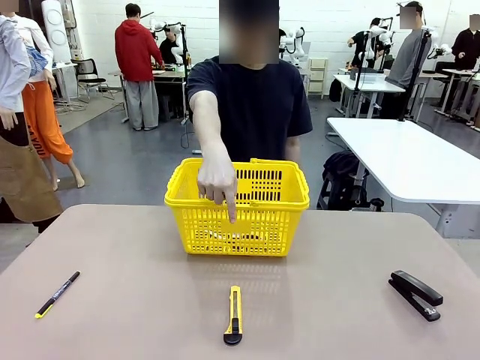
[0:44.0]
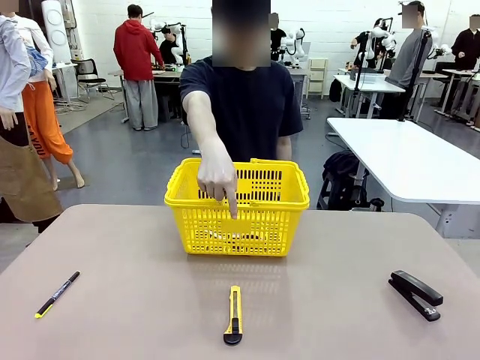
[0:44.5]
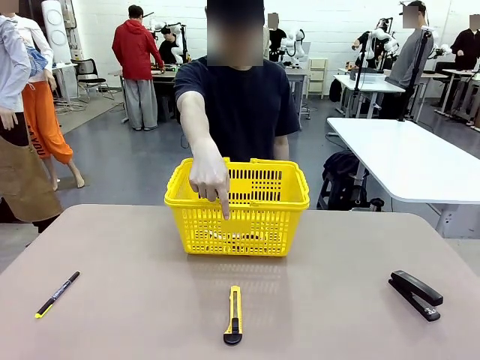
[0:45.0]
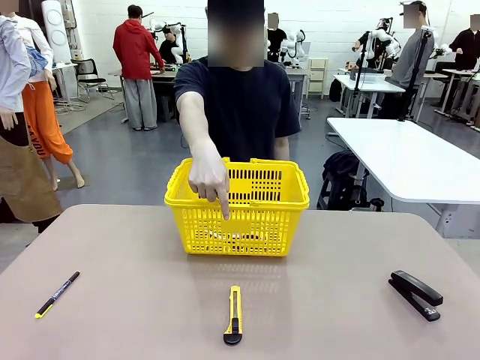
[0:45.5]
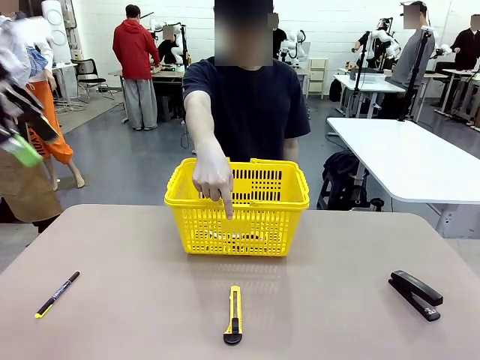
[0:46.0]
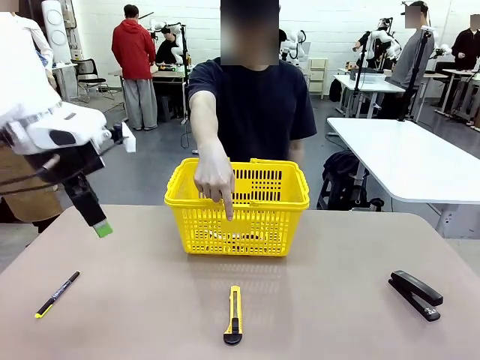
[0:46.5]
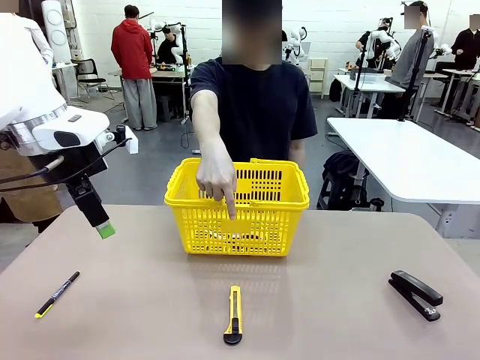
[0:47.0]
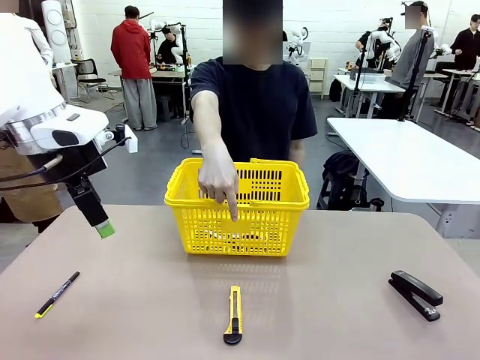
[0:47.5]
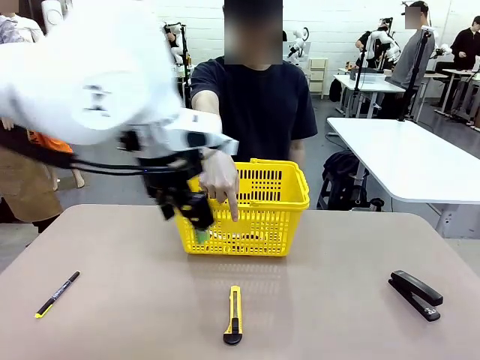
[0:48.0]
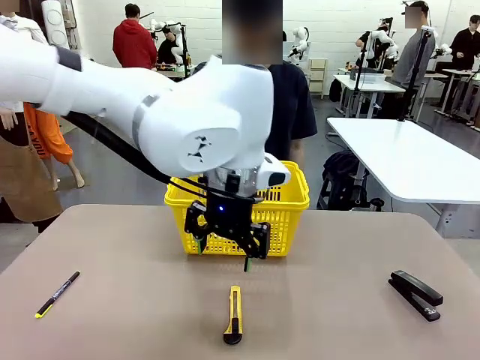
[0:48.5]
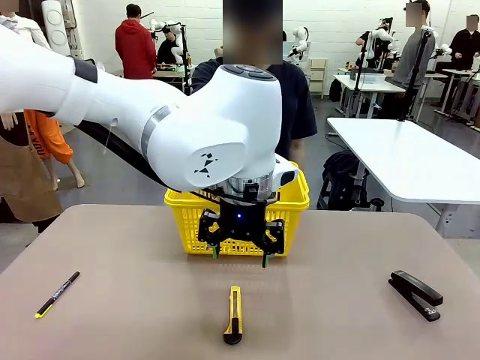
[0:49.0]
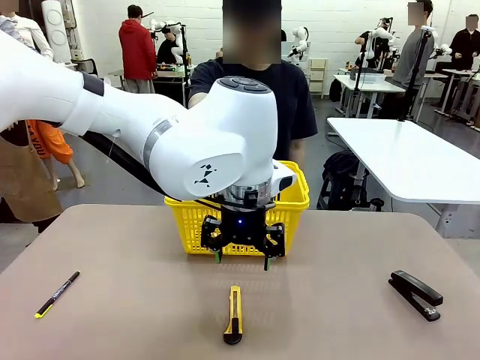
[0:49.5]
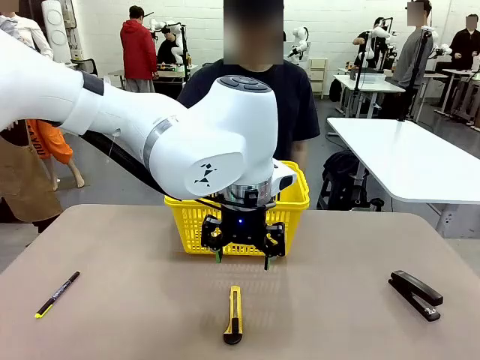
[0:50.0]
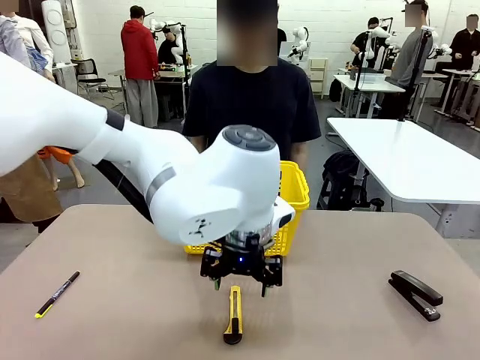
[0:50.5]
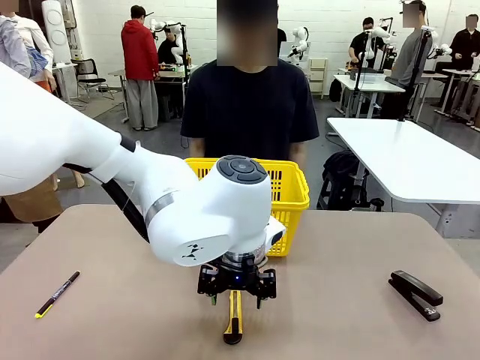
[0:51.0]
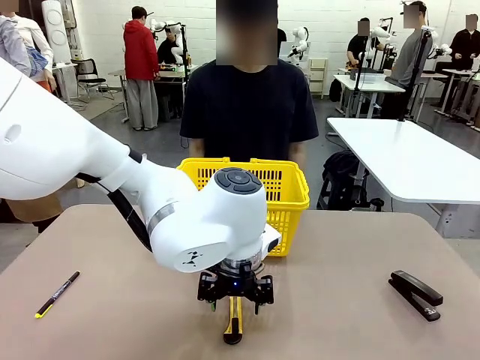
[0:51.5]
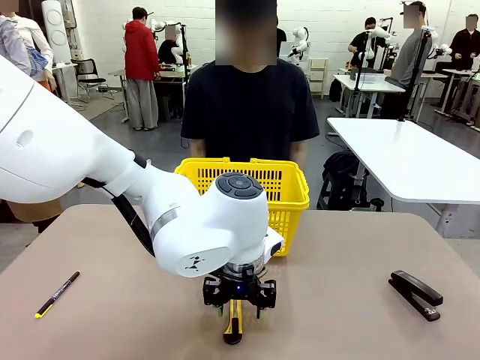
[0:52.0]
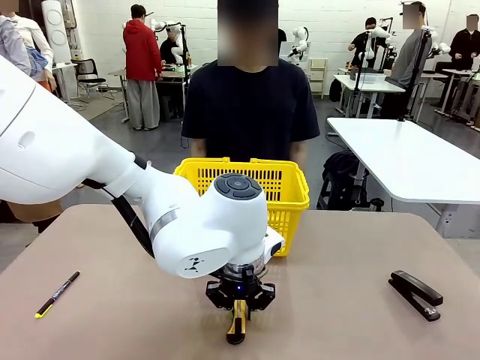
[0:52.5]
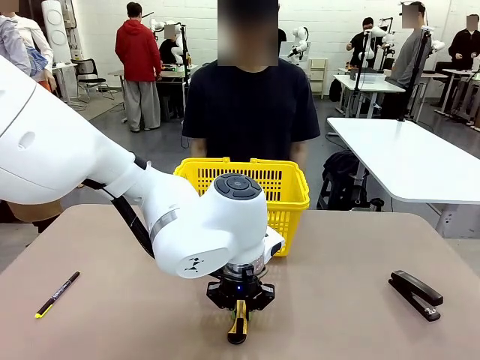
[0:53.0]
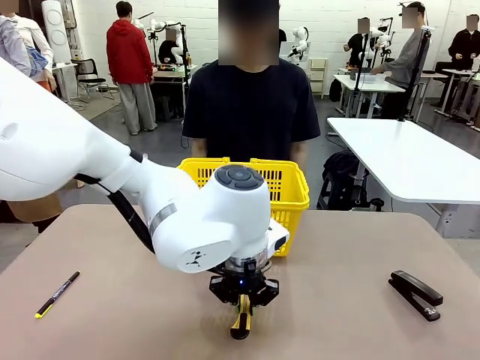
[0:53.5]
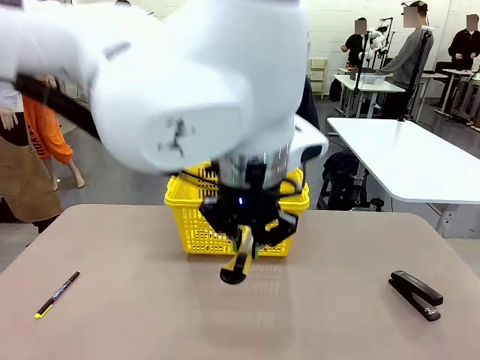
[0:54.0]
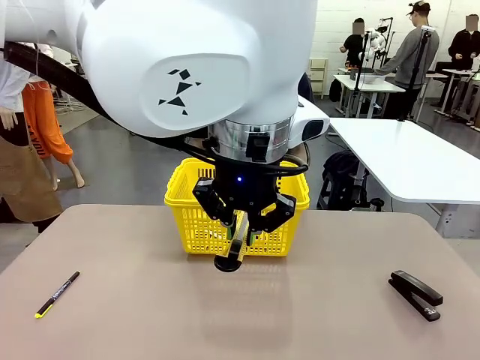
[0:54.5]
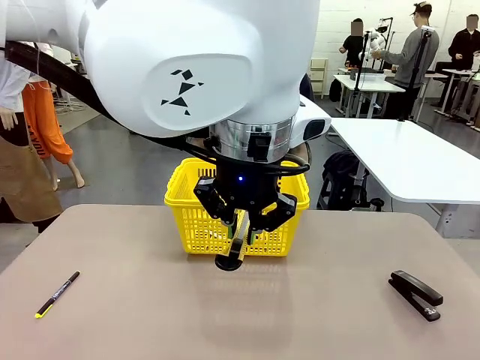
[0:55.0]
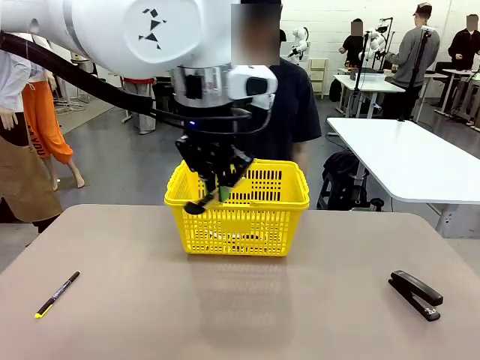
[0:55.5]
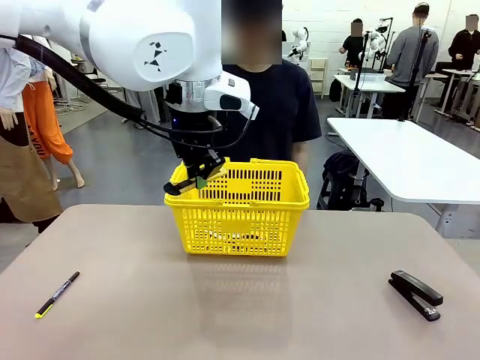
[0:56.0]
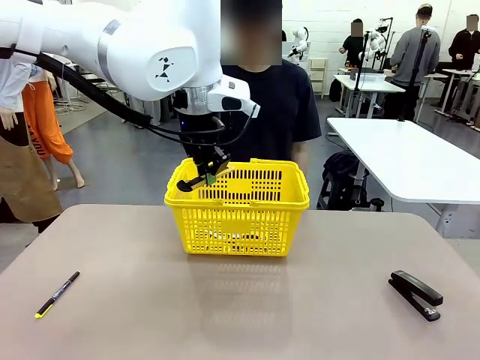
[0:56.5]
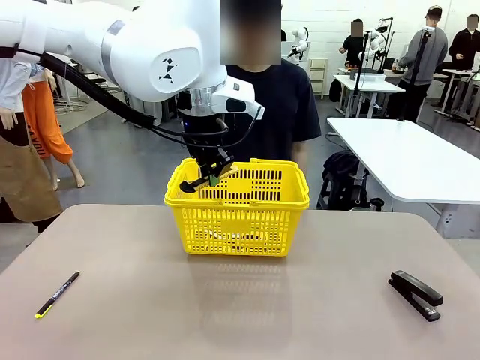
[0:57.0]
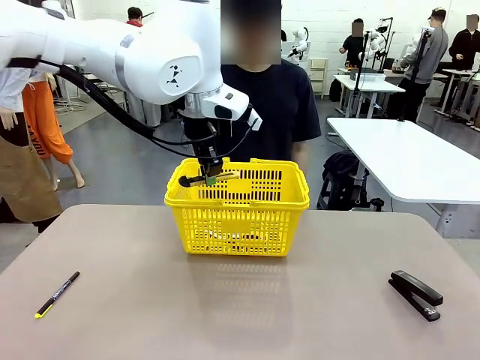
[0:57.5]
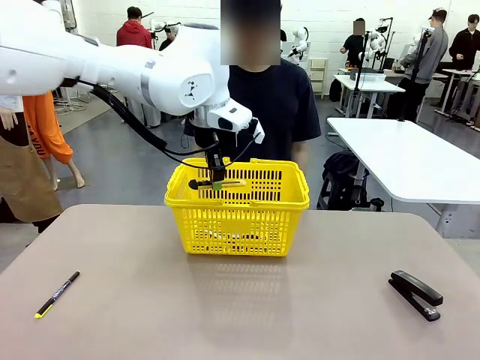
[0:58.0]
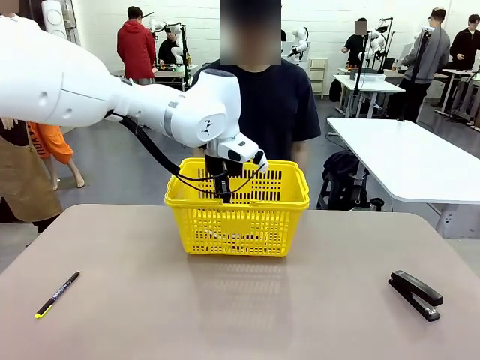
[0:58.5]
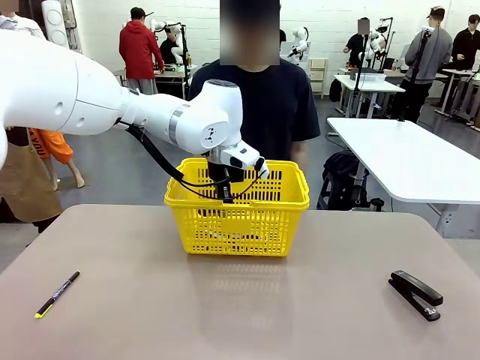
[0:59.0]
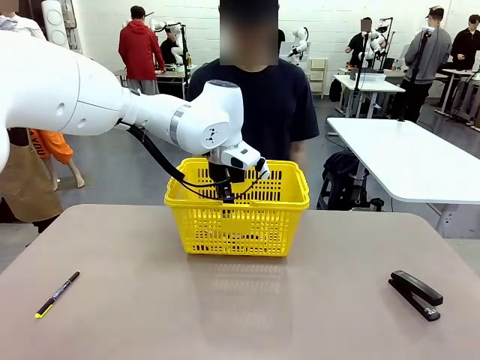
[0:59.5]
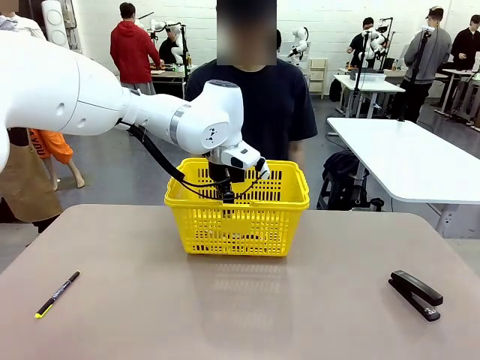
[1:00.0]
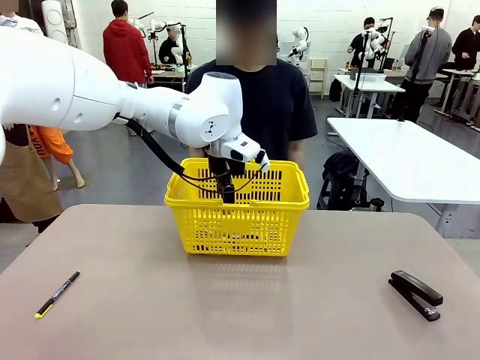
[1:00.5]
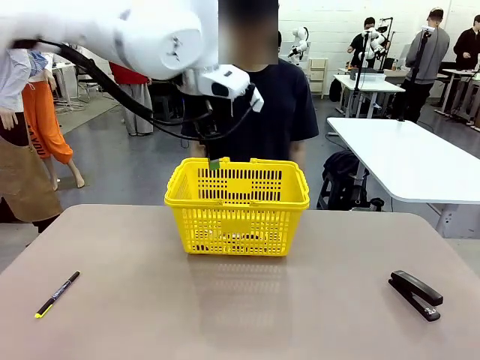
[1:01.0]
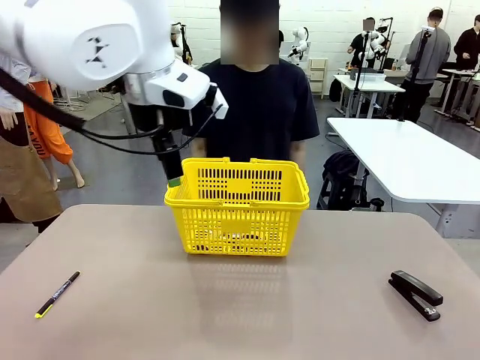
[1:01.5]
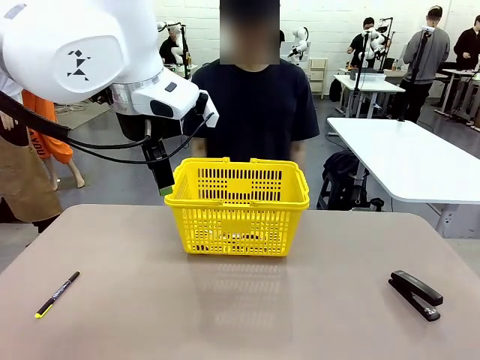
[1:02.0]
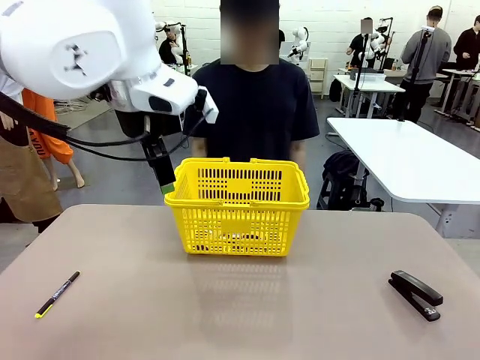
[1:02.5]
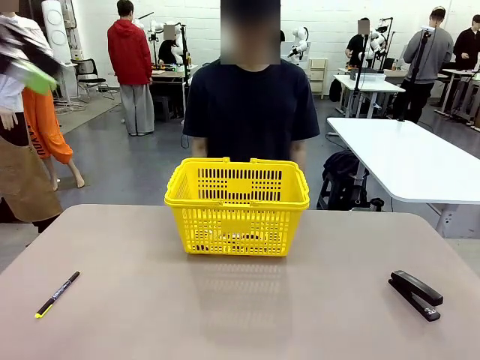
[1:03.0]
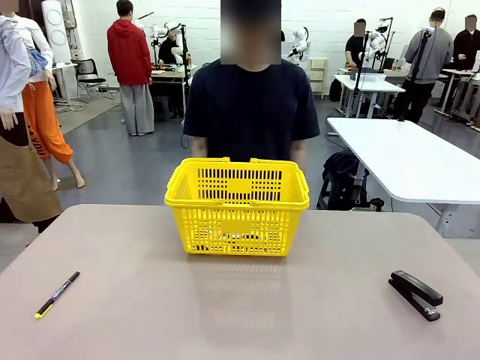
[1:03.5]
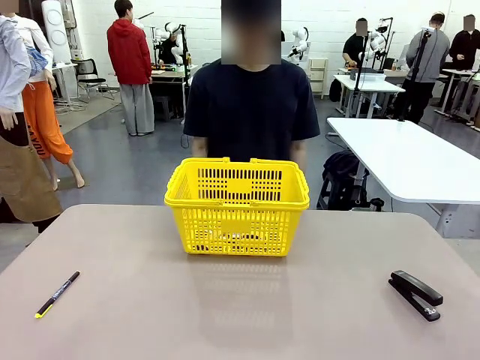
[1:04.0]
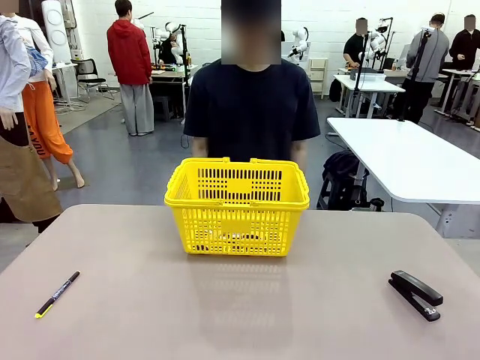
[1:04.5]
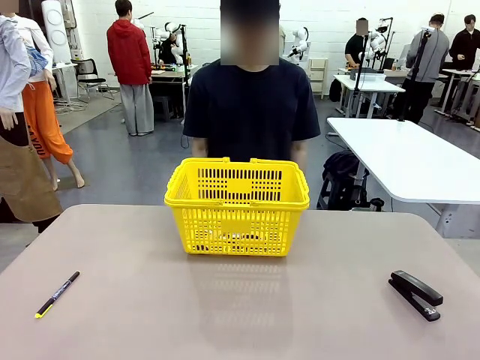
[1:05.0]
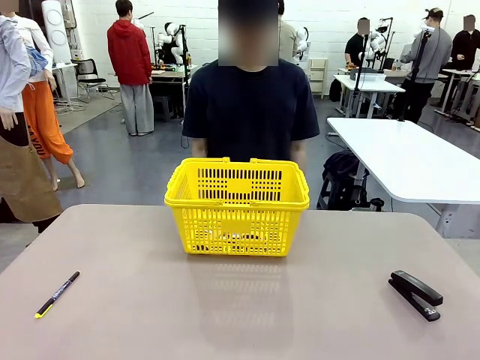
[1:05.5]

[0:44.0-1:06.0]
Task: Place the items the person wants into the basket.
Robot: Pick up the item the person points to and place it in the Market Basket.

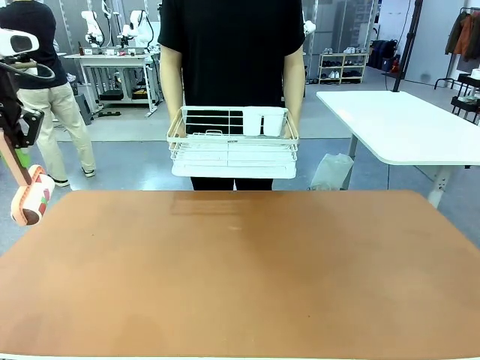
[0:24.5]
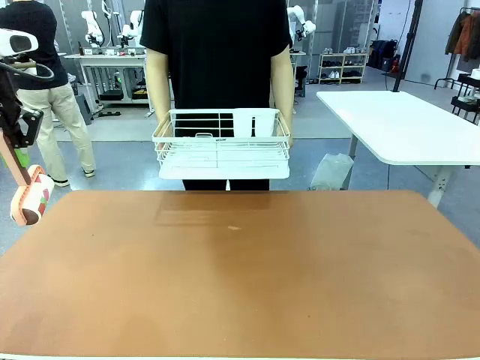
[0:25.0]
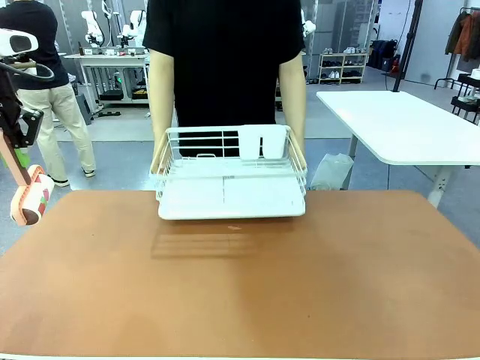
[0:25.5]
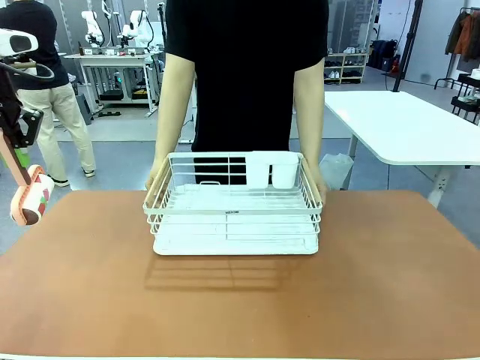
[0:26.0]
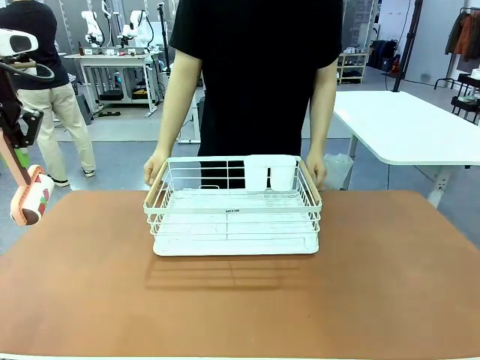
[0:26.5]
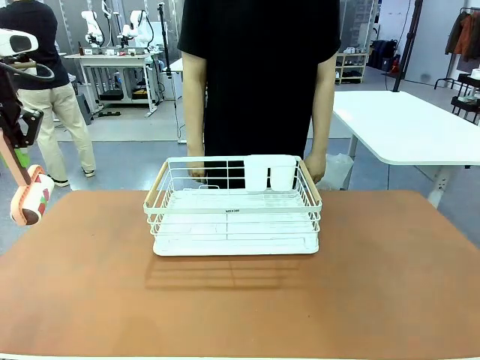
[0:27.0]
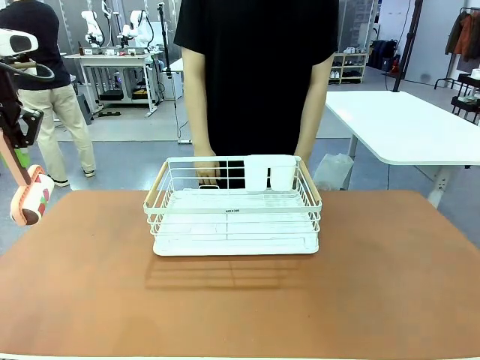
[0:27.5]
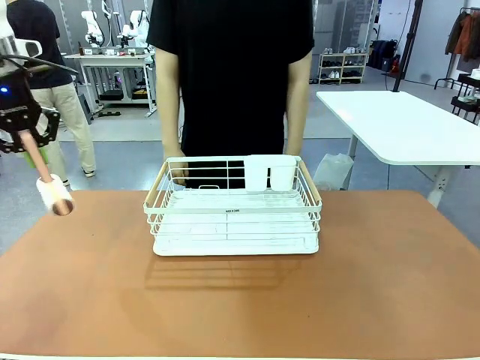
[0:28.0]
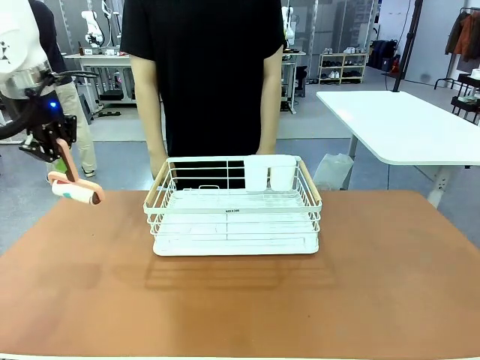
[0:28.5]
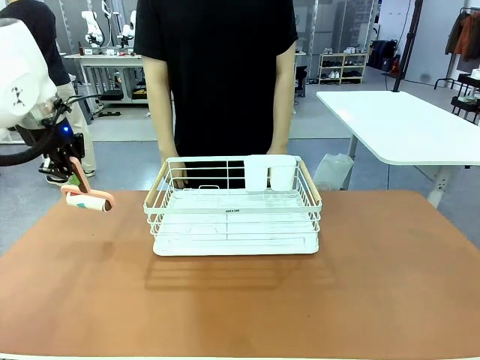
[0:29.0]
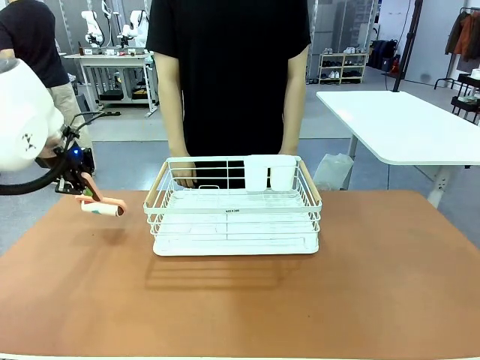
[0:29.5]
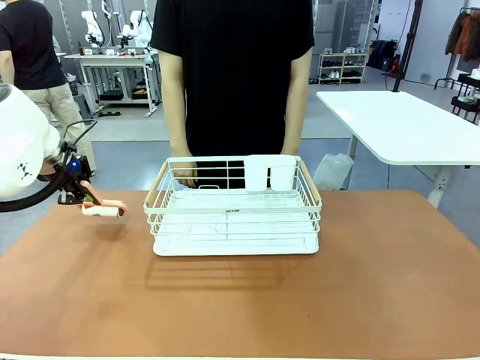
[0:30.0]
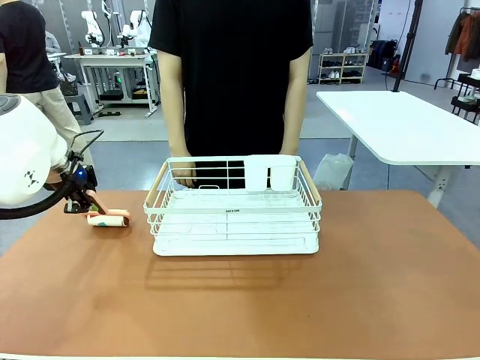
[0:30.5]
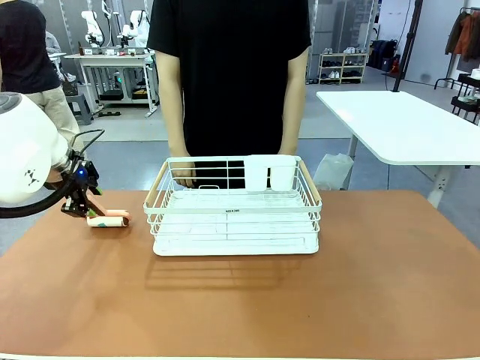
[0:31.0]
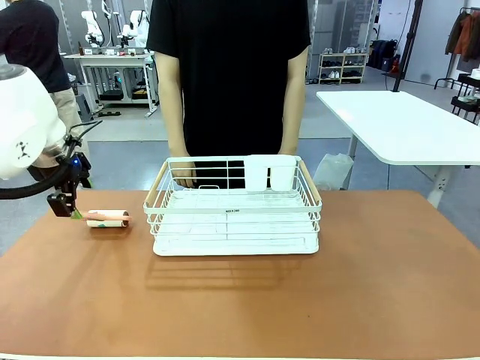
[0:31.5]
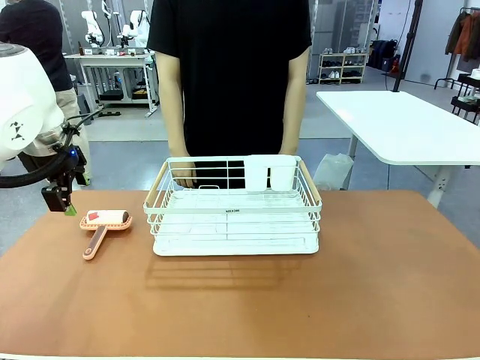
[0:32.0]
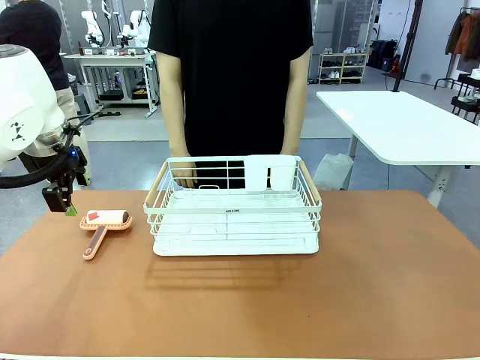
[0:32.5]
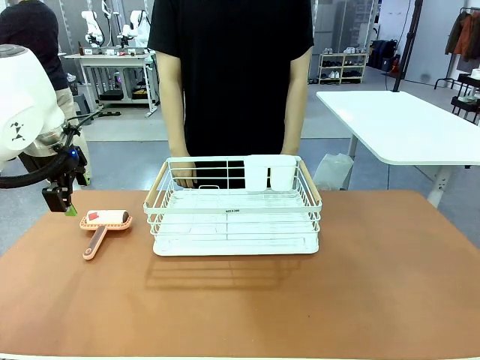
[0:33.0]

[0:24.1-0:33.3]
Task: Clean the table.
Robot: Place the Lint Roller down when the Dish drying rack is positioned in the middle of the table.
Person: Place the Dish drying rack down when the robot finishes cleaning.
